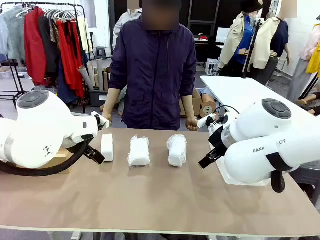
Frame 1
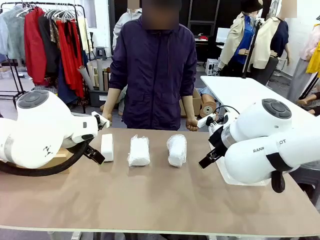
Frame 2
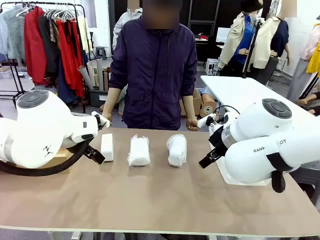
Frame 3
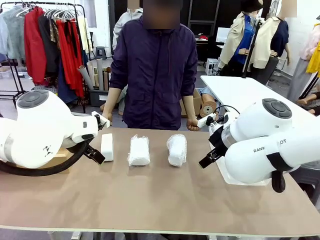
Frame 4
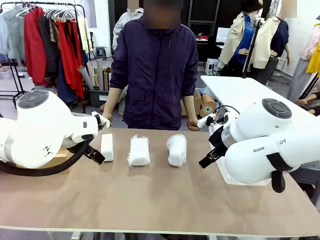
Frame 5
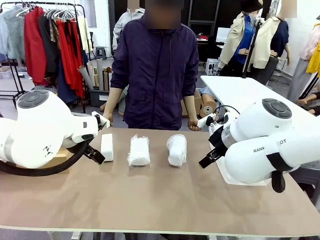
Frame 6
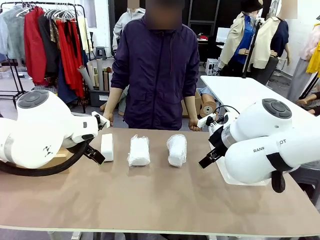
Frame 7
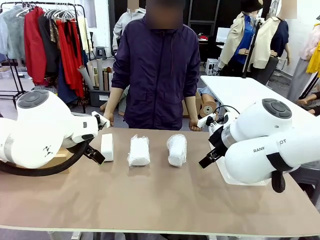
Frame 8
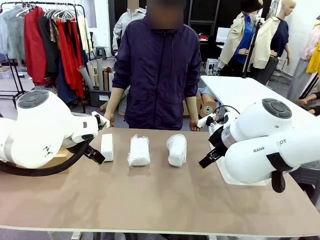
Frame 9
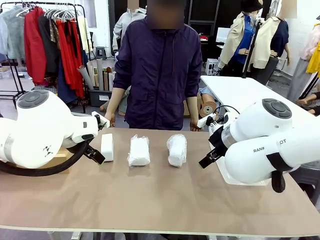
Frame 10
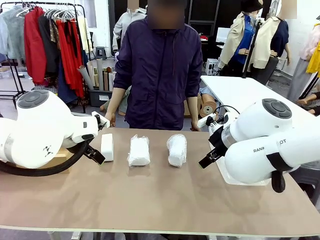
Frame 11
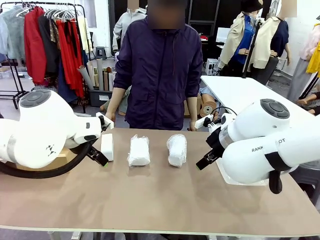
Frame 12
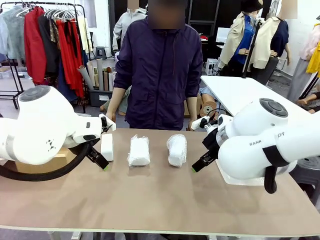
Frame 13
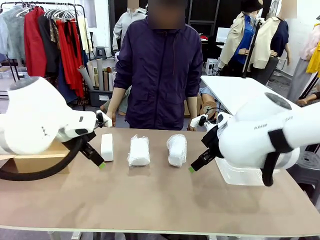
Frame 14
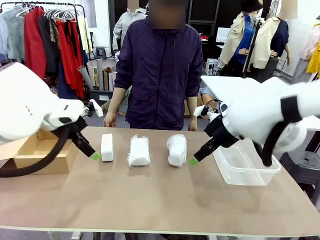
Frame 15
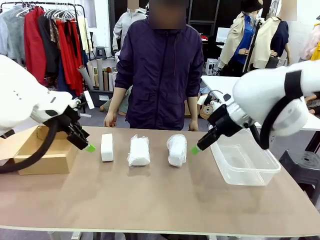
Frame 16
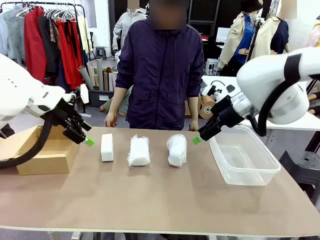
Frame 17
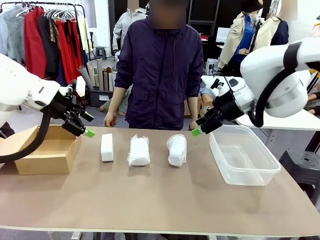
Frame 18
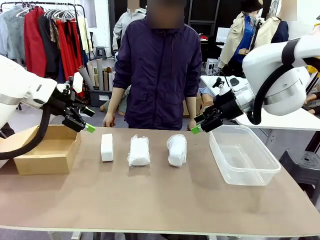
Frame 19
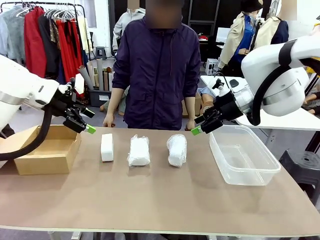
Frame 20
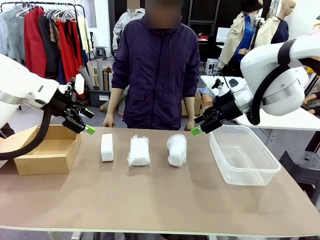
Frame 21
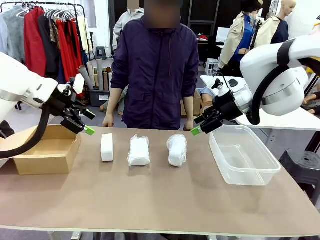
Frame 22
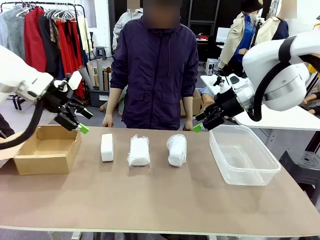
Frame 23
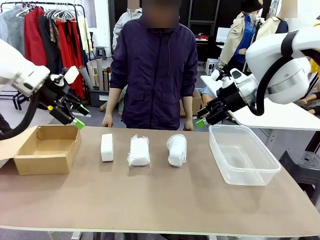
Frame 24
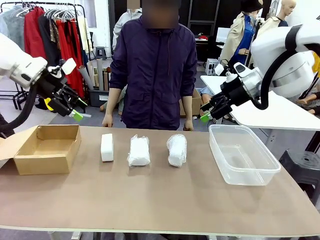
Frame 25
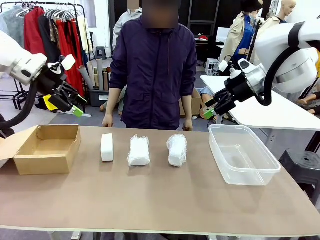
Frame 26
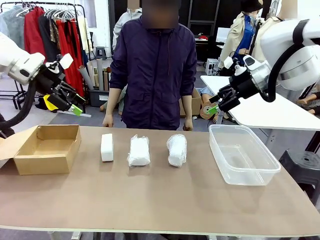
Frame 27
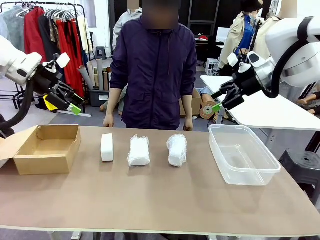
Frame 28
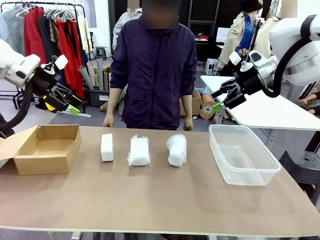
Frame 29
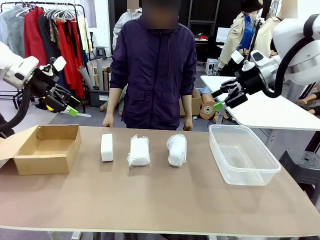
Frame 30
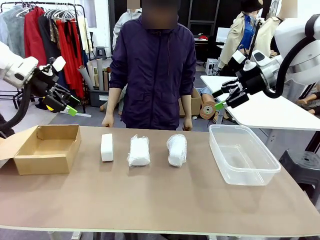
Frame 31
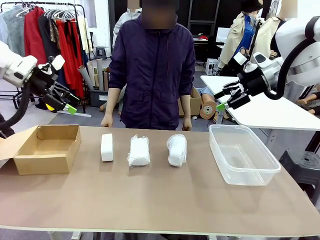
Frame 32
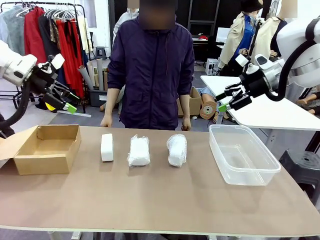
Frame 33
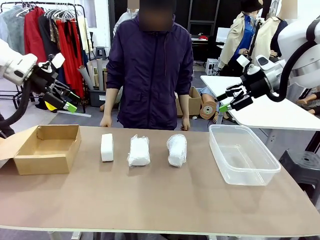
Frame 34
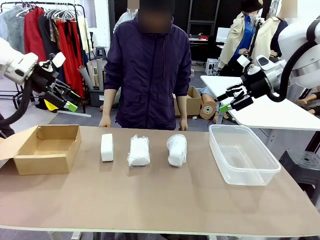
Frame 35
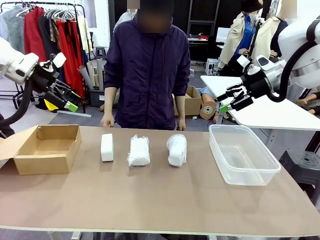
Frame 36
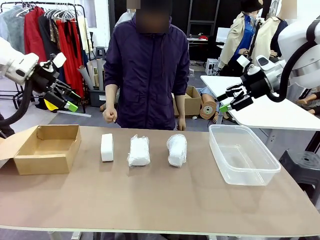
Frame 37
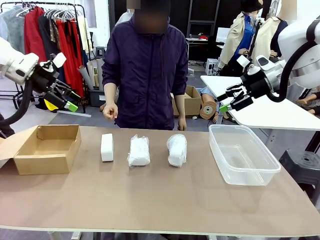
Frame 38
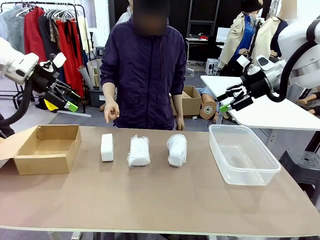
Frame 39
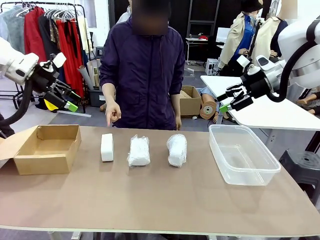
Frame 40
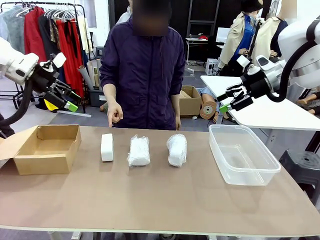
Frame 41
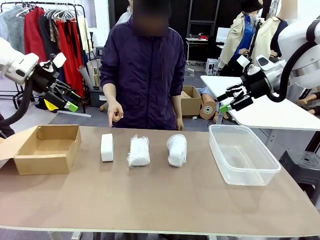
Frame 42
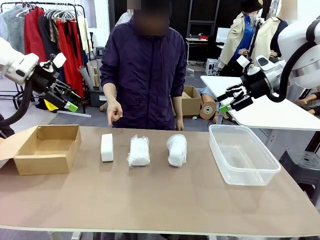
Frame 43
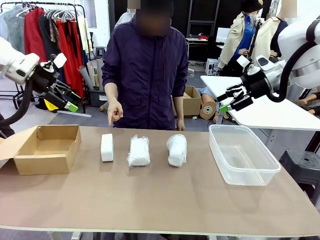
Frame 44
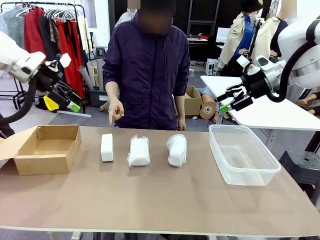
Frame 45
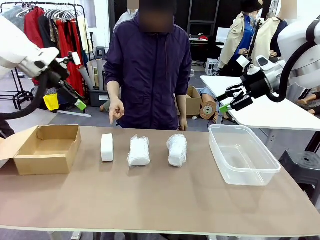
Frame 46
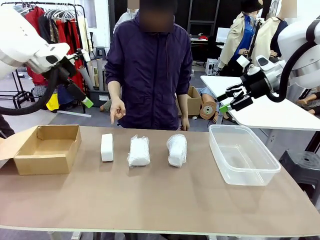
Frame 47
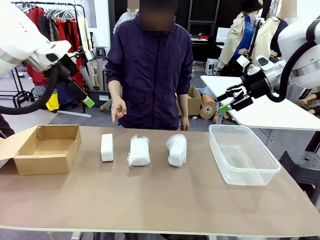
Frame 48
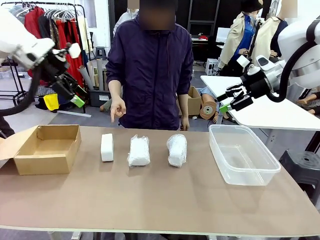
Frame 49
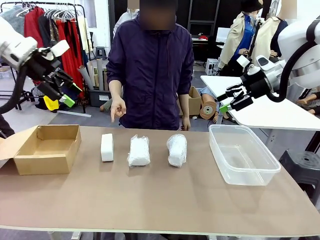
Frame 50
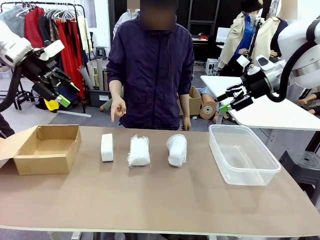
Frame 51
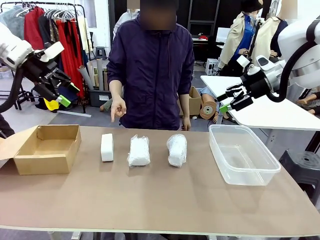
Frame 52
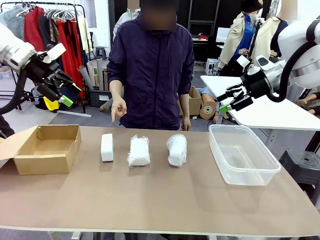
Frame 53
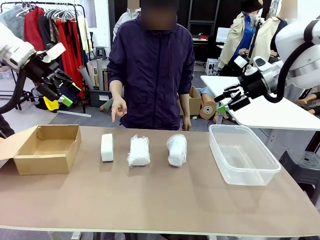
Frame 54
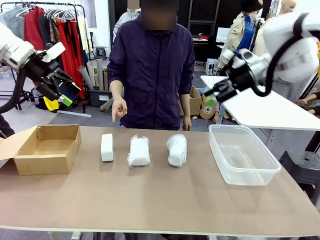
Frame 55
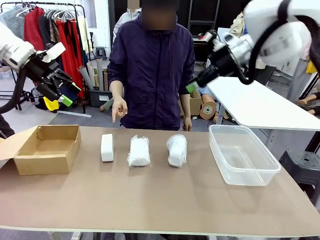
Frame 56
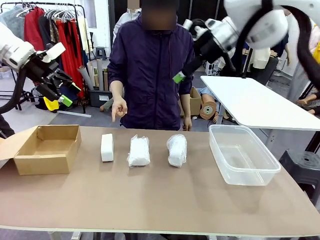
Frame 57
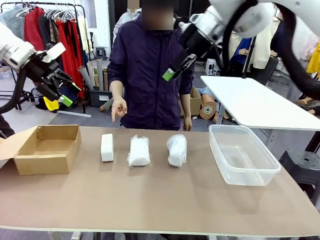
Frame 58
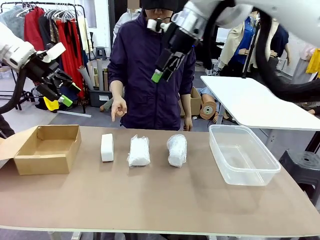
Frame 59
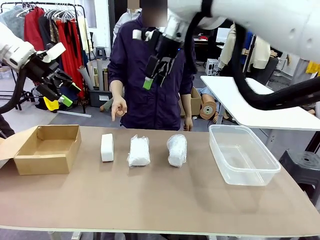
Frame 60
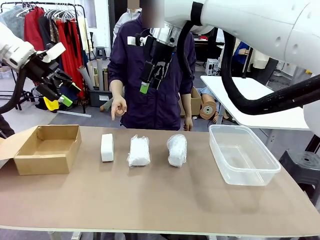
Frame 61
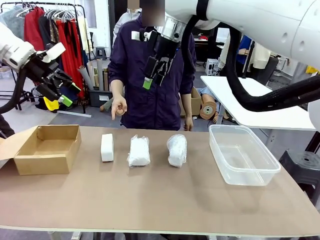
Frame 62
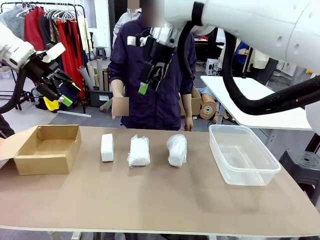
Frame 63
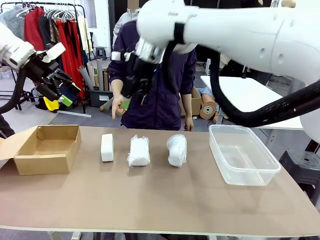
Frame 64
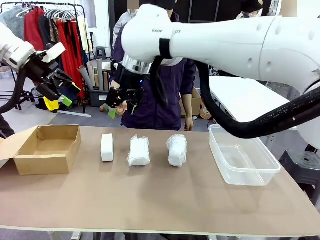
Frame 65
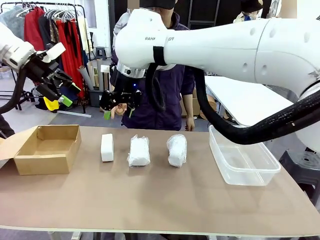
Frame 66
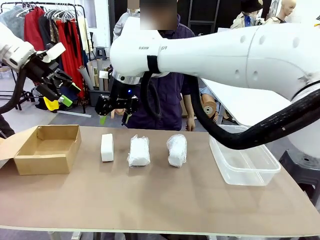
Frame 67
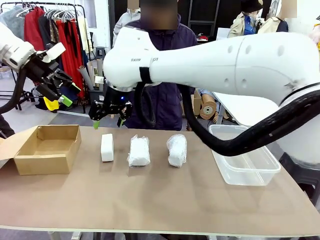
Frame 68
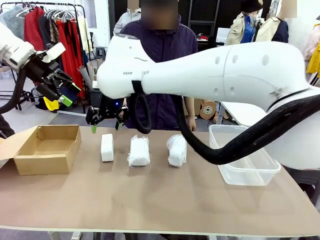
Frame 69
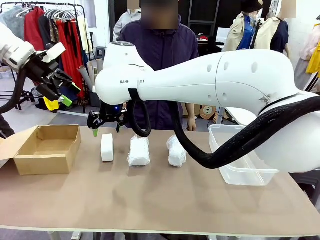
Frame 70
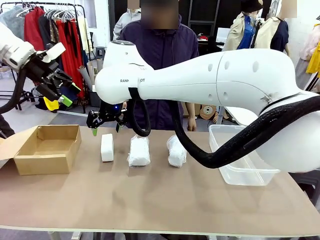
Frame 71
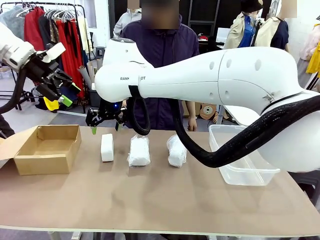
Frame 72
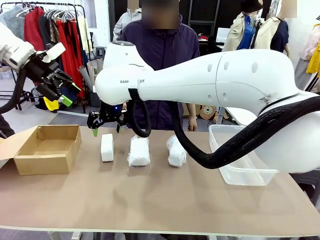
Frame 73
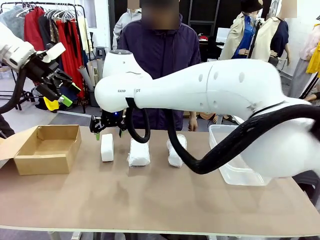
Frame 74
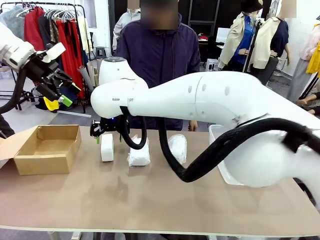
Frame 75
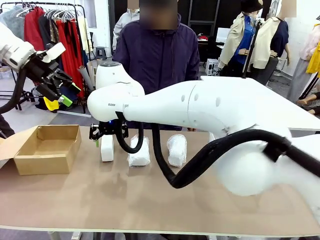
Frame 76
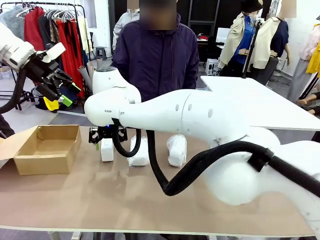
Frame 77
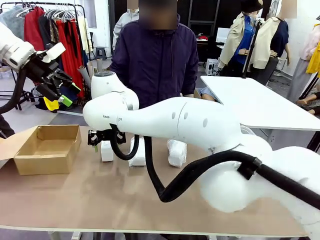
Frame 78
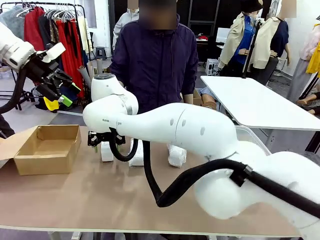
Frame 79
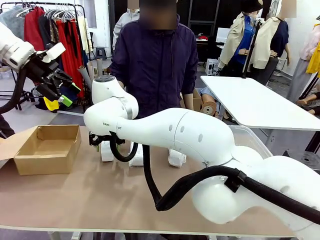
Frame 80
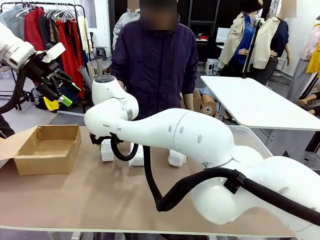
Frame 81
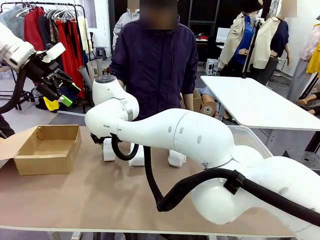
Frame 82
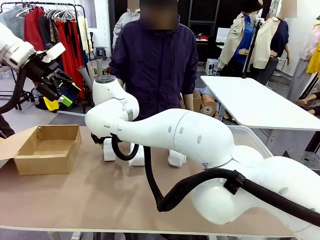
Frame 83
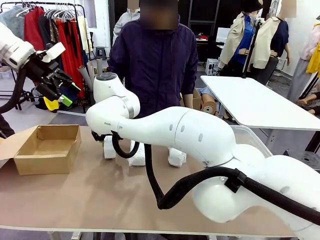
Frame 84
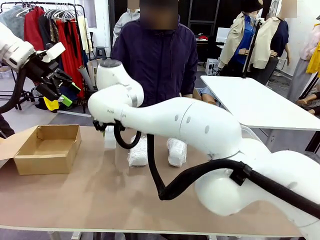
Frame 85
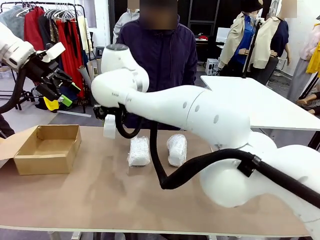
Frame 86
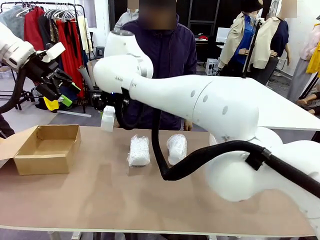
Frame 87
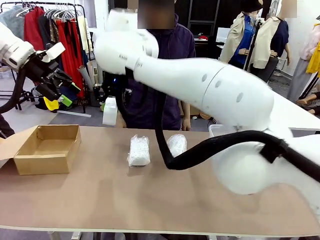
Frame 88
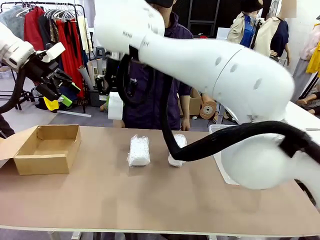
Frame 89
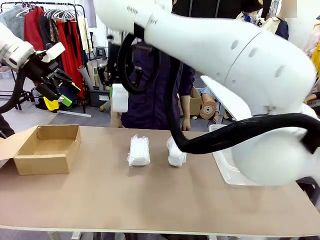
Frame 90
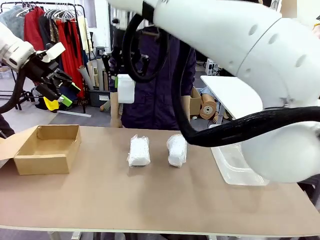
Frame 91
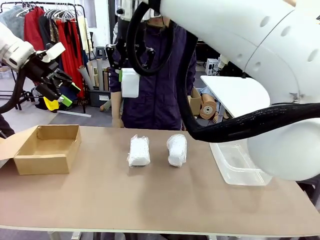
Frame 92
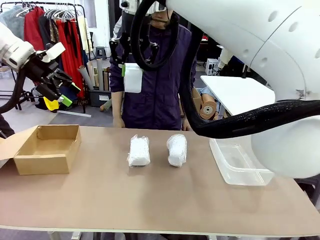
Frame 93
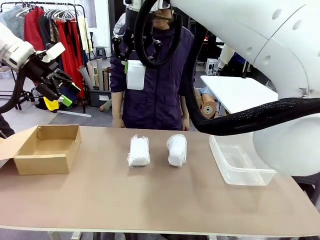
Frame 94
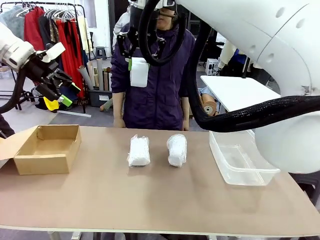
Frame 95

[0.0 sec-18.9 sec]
Task: Separate and place wrapped and unwrapped clocks.
Robot: Pick up the Digital clock indicated by the person.
